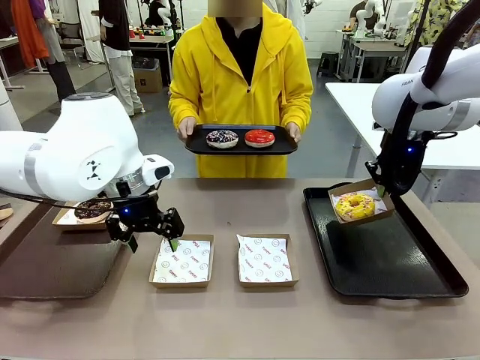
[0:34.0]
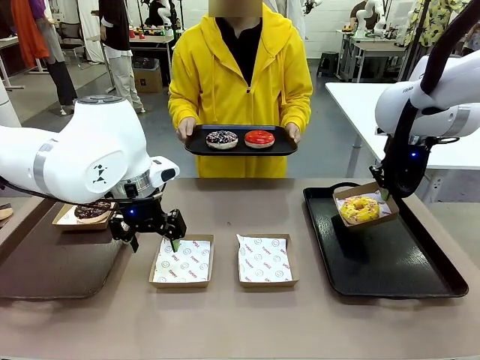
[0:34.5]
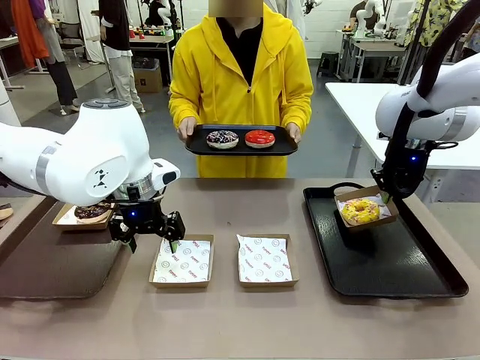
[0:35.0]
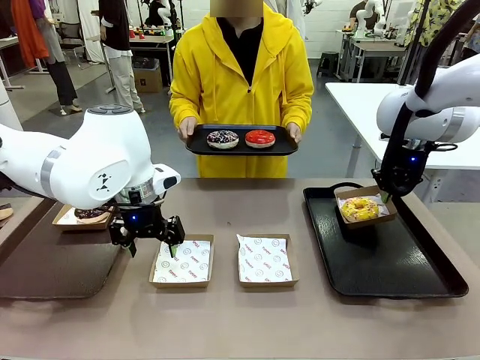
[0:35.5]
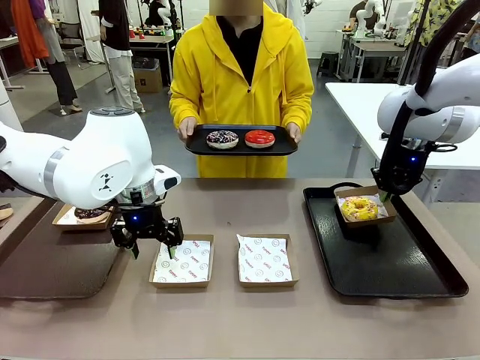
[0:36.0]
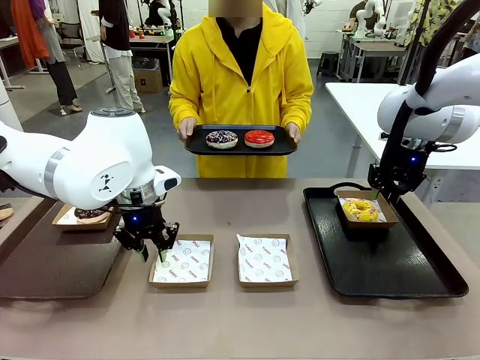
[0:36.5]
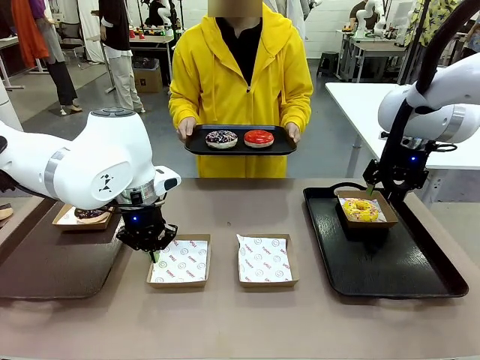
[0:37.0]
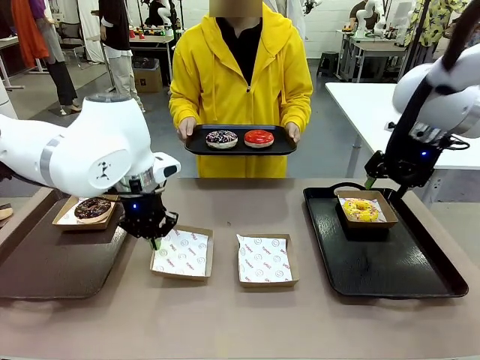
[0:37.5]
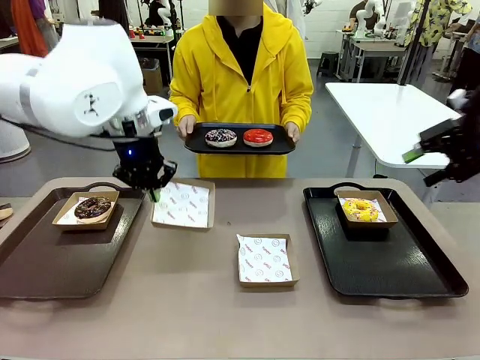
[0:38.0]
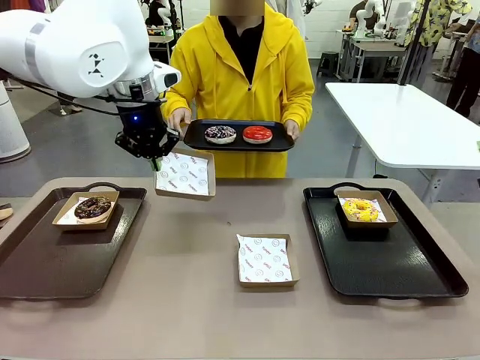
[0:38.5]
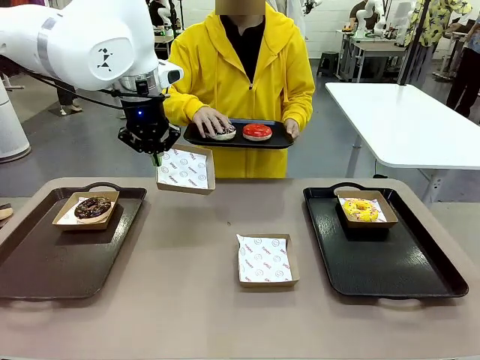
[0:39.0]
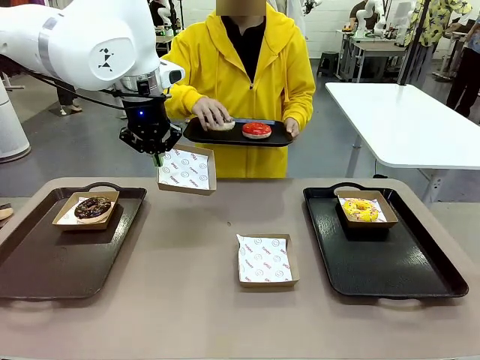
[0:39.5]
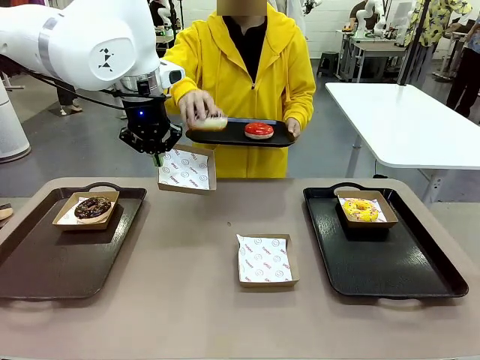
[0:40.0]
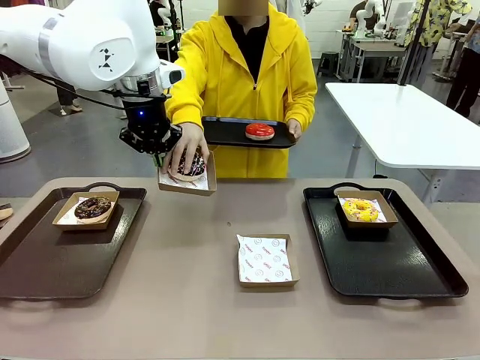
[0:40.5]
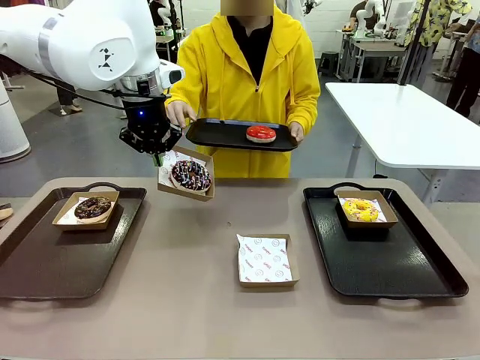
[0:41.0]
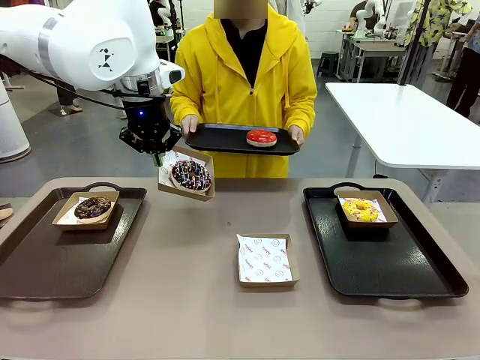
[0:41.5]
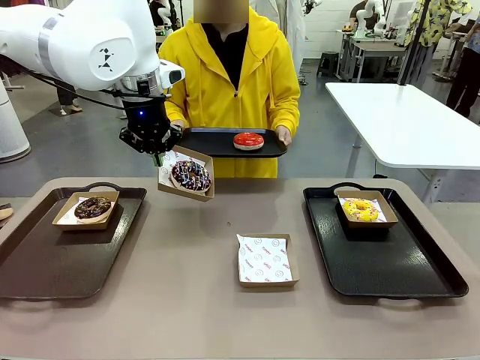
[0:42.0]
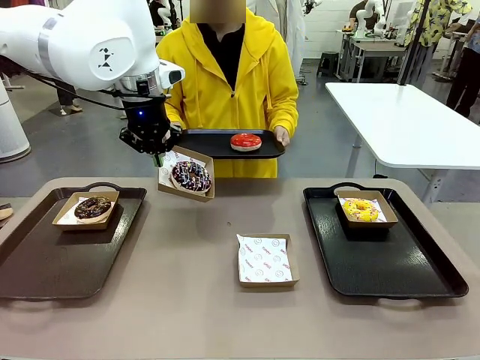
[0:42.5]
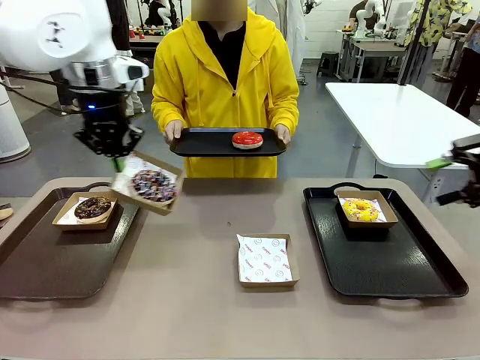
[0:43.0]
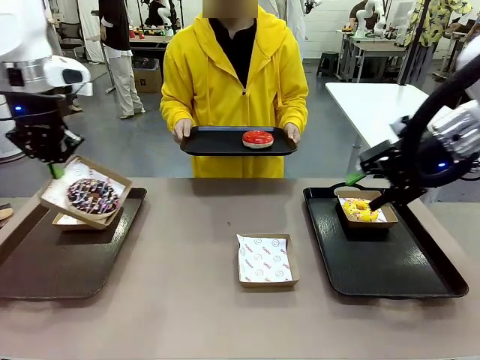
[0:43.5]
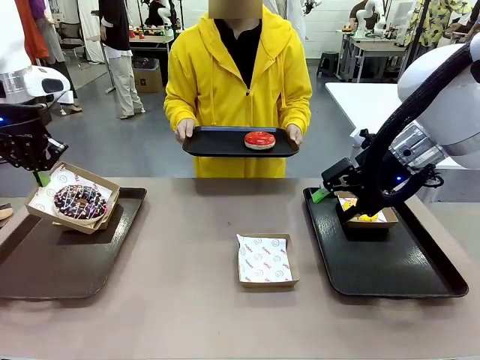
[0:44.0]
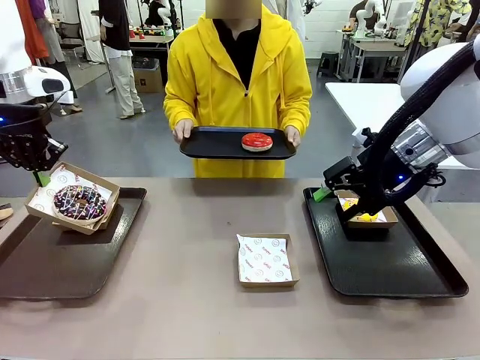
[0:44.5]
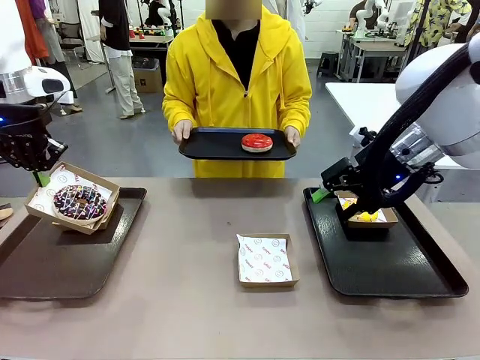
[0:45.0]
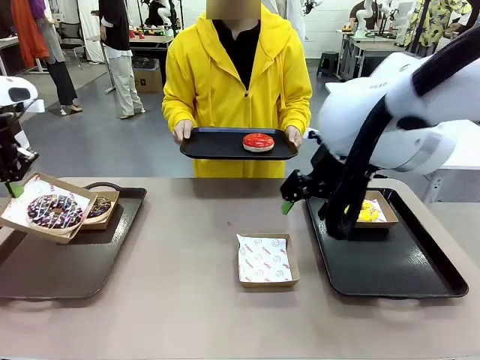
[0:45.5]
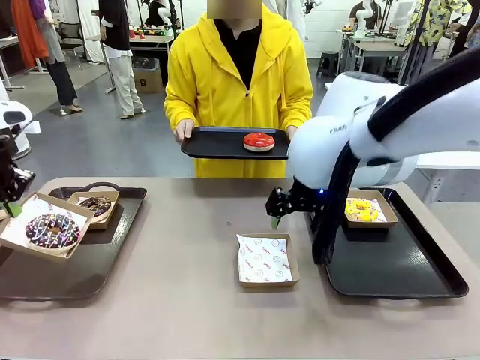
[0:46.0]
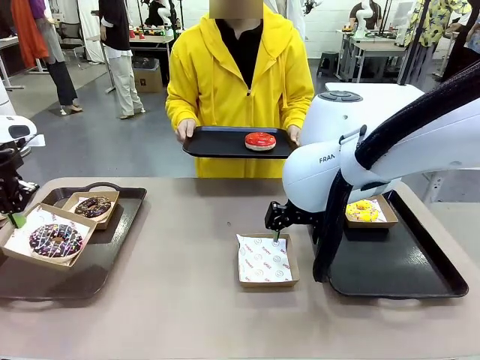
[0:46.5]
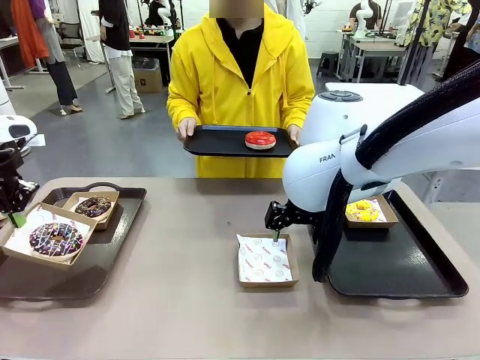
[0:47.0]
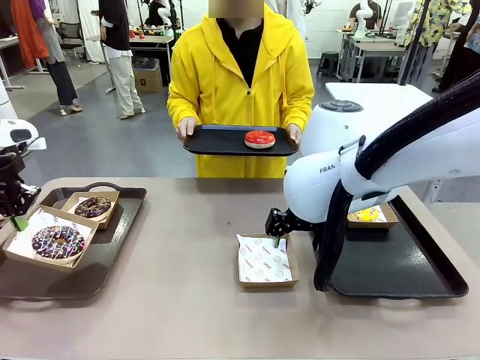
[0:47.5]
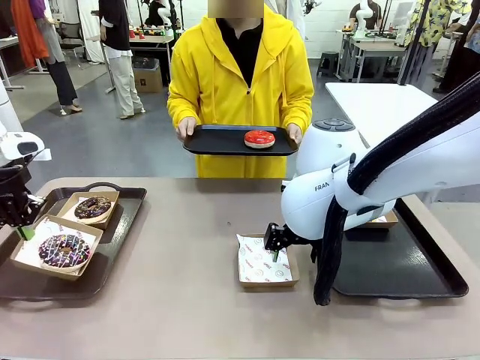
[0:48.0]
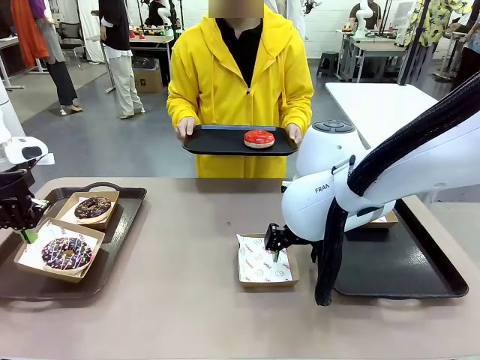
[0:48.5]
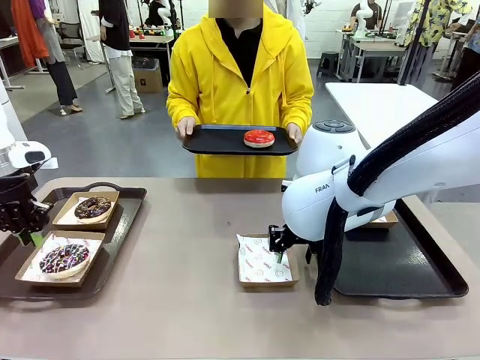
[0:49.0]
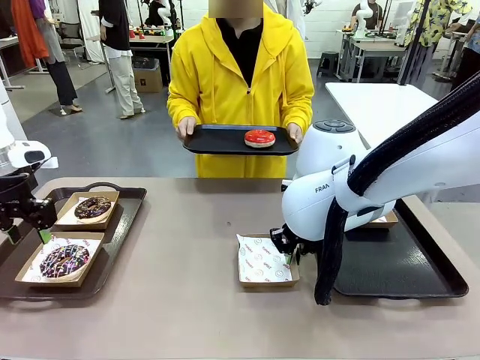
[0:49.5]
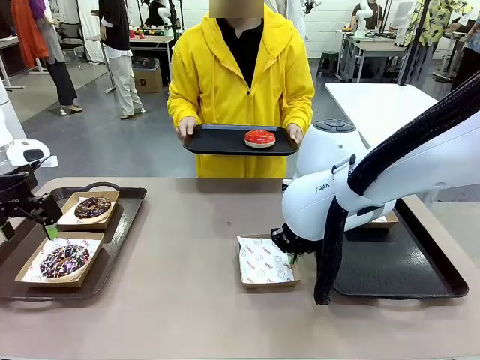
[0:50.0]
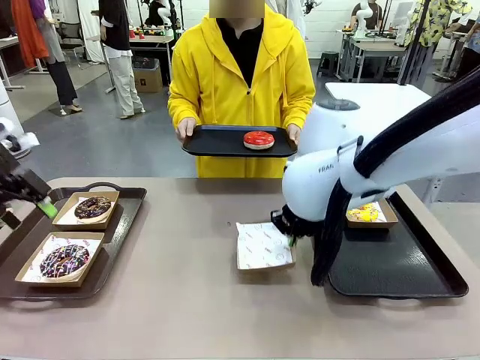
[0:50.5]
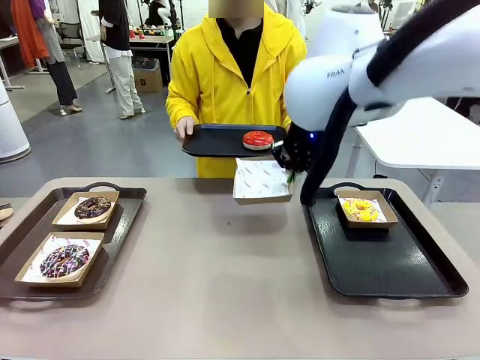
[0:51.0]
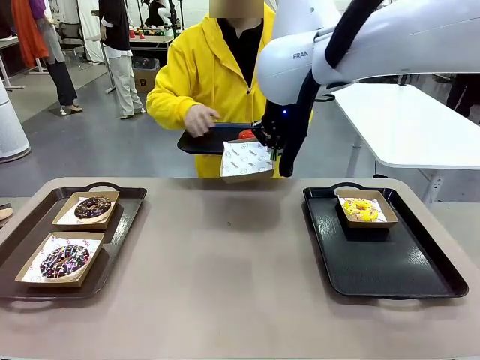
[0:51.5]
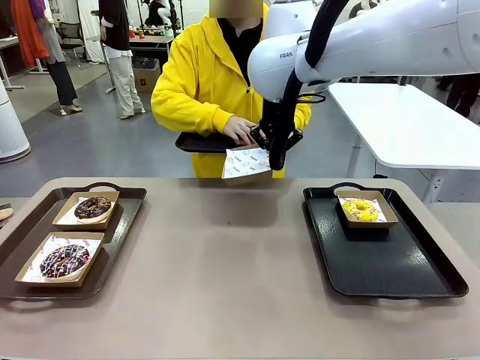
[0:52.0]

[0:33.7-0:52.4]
Task: Individually package the donuts and arrange them on the tray.
Robot: Place the picked Paper togo box on the Handle tray while simultaneously picking up another Paper togo box from the table with the other hand.

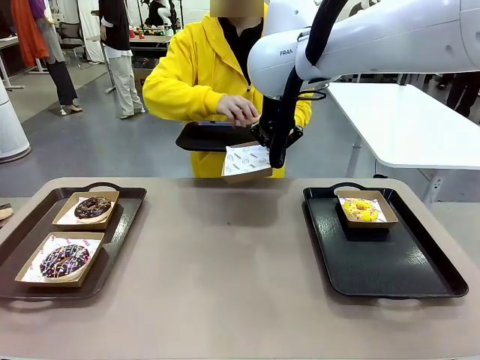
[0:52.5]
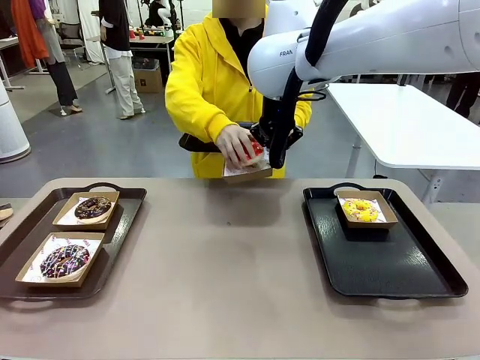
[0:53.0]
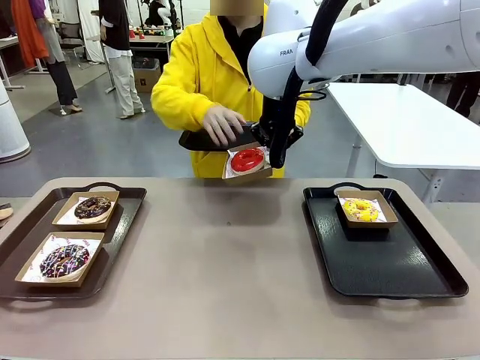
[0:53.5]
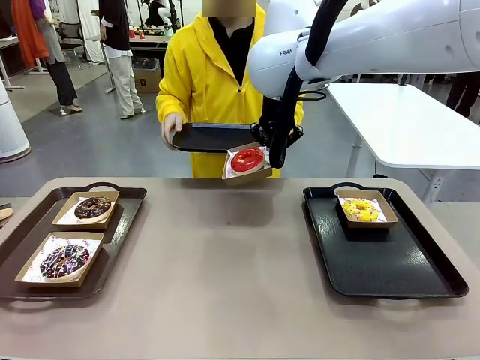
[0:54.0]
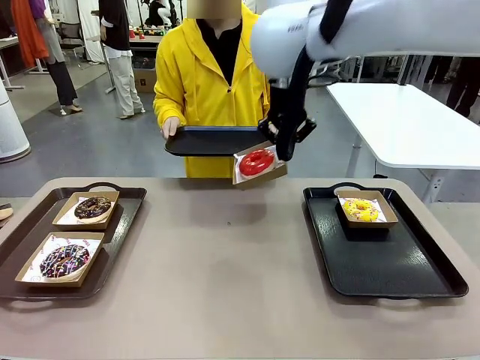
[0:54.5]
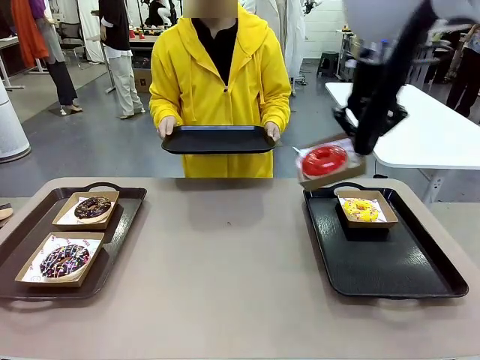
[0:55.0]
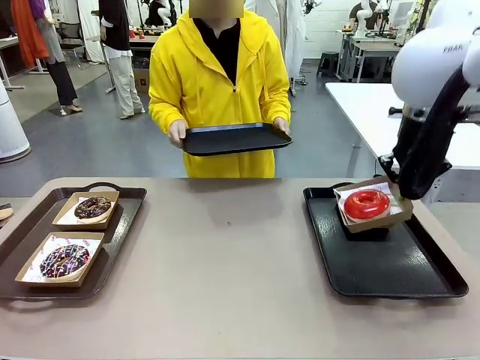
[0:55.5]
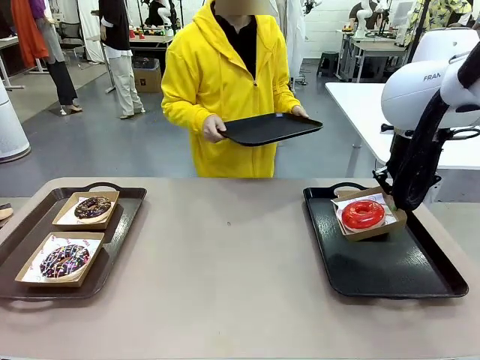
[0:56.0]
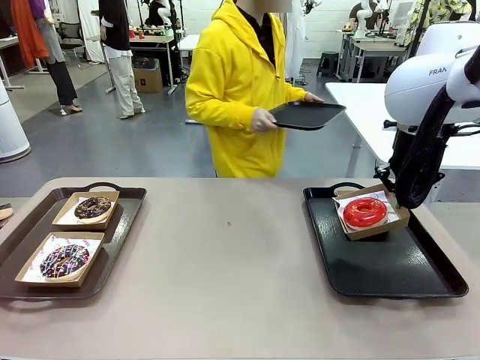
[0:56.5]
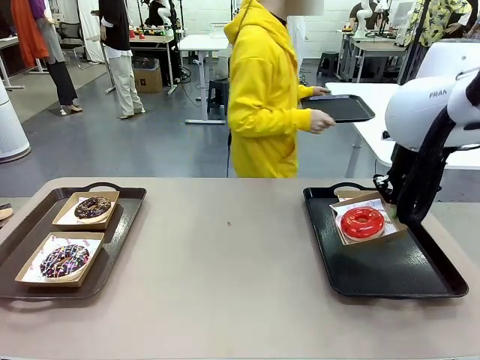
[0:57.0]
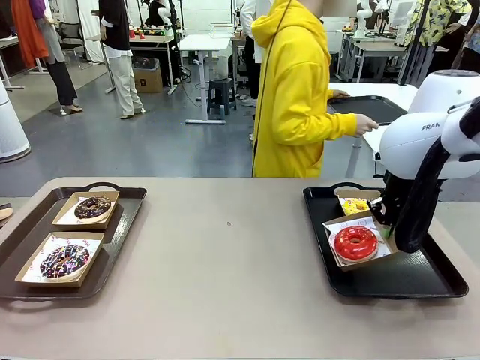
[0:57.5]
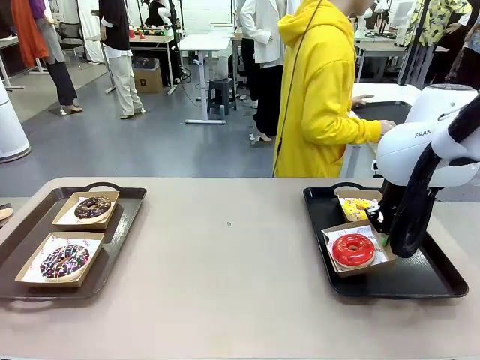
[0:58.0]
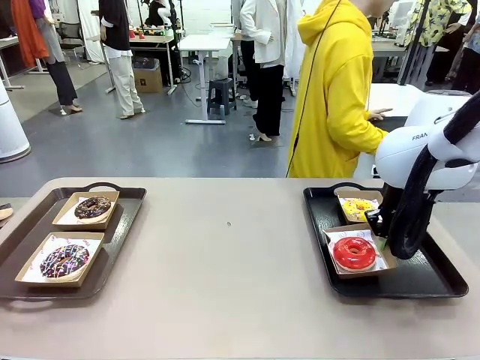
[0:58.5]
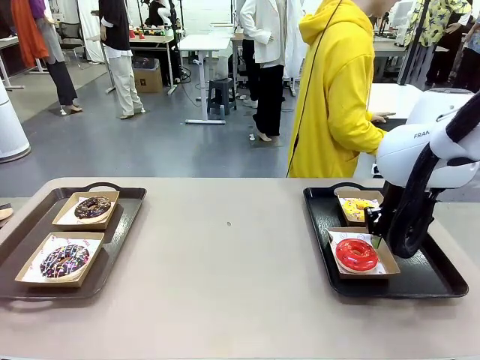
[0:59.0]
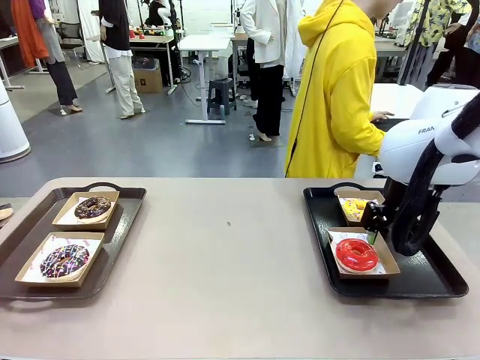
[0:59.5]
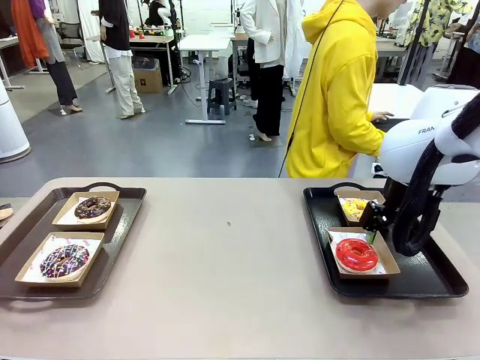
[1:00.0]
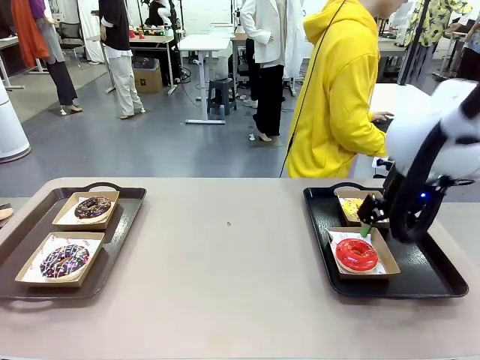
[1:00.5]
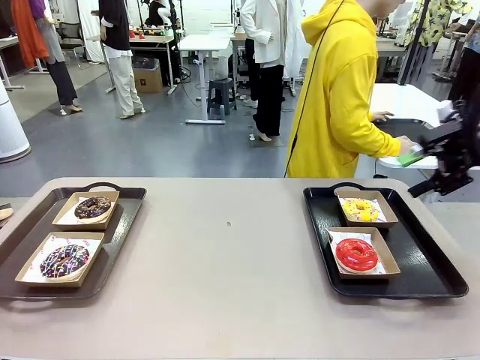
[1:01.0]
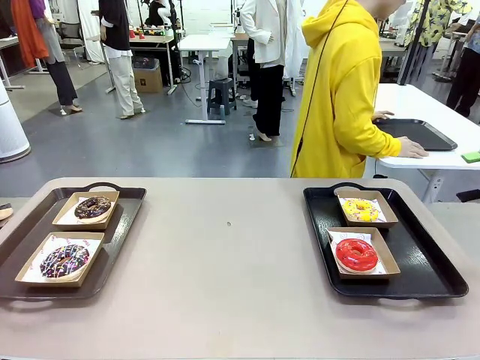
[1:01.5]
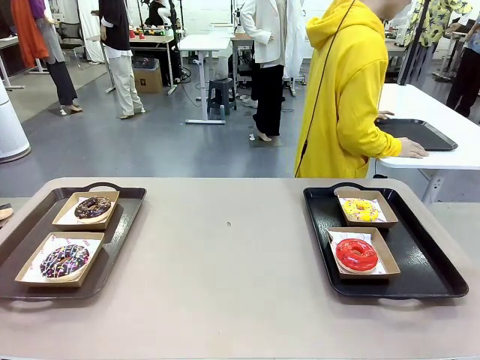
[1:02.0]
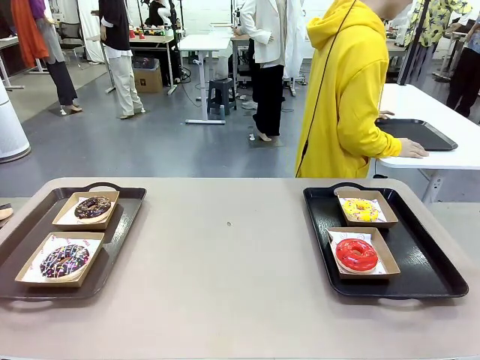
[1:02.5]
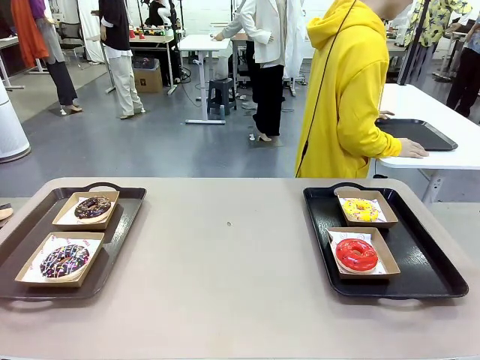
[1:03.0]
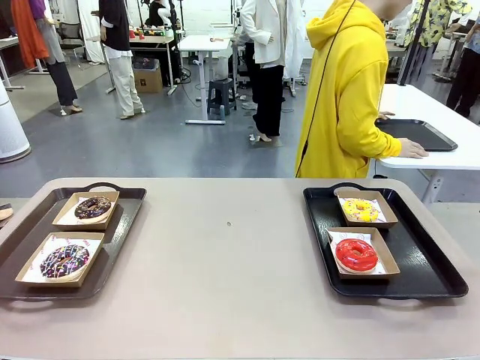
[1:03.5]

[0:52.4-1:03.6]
Robot: Place the picked Paper togo box on the Handle tray.
Person: Place the tray down in the middle of the human table.
